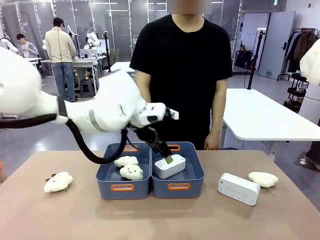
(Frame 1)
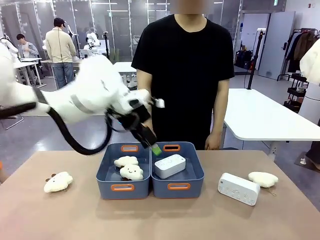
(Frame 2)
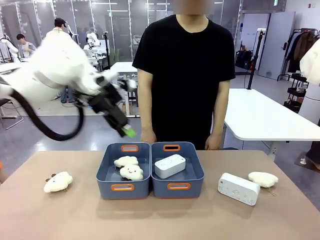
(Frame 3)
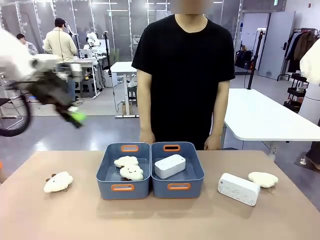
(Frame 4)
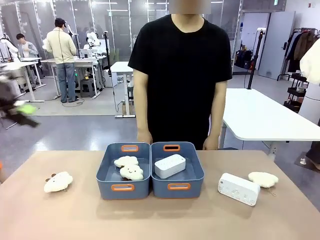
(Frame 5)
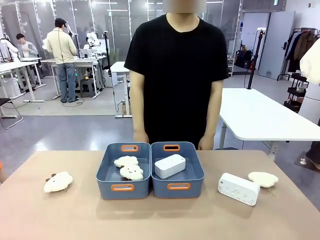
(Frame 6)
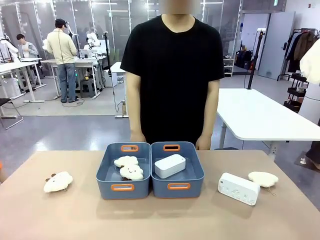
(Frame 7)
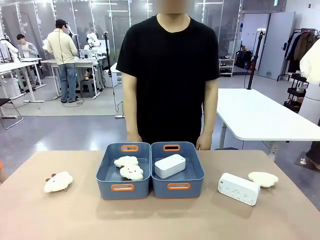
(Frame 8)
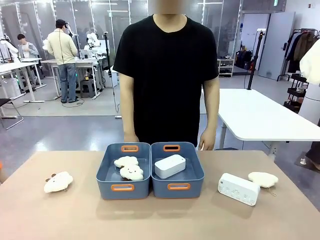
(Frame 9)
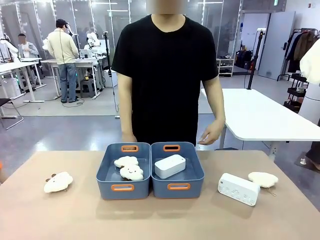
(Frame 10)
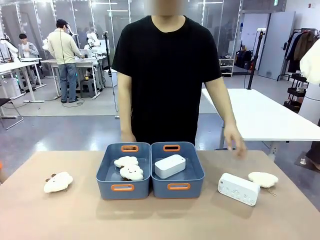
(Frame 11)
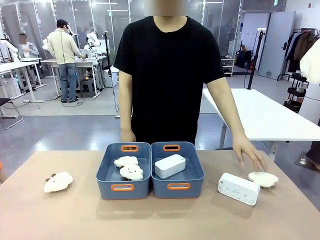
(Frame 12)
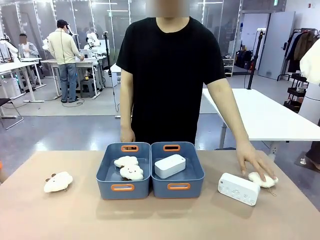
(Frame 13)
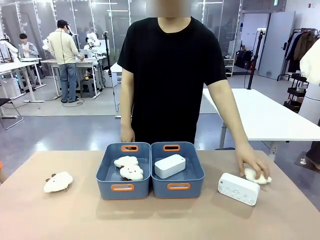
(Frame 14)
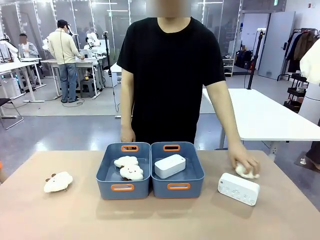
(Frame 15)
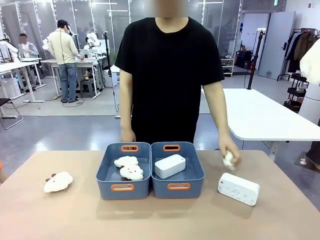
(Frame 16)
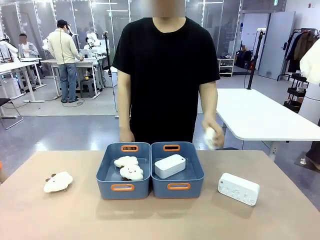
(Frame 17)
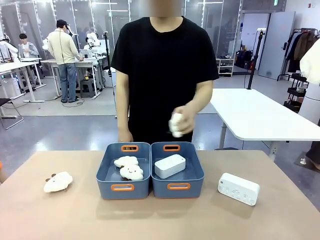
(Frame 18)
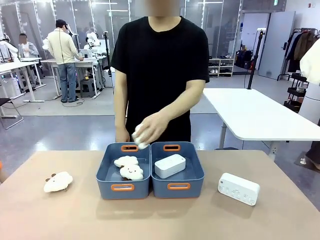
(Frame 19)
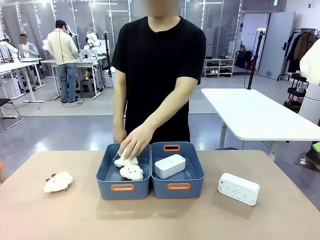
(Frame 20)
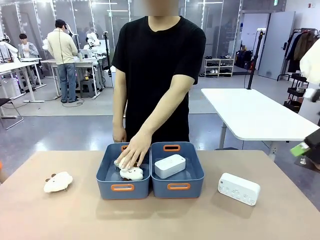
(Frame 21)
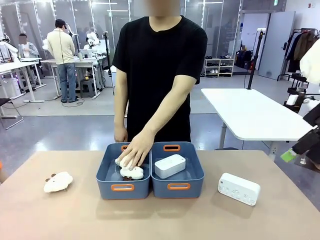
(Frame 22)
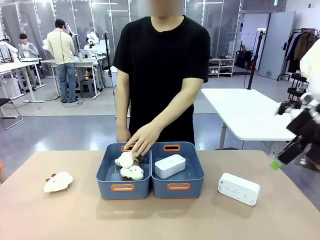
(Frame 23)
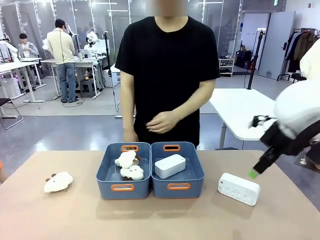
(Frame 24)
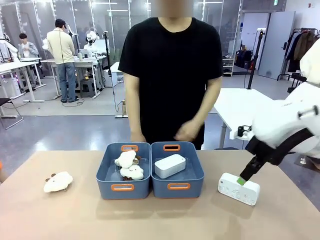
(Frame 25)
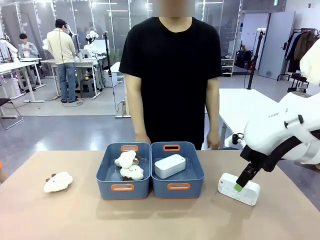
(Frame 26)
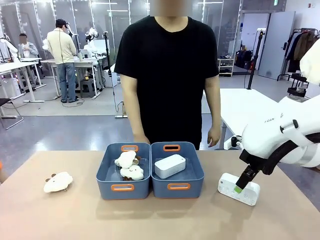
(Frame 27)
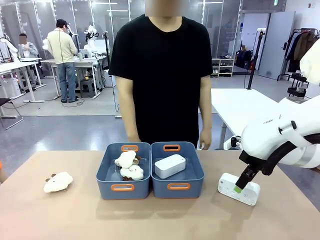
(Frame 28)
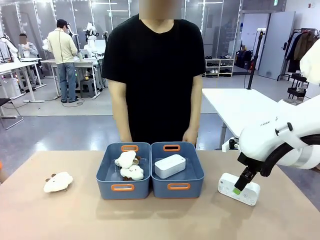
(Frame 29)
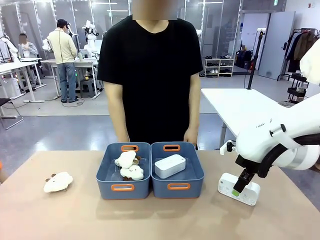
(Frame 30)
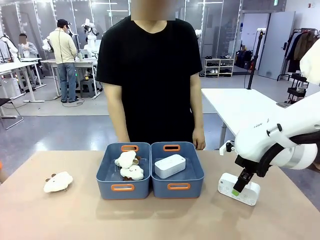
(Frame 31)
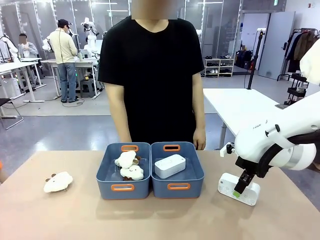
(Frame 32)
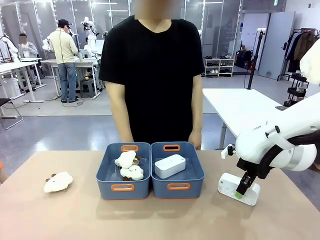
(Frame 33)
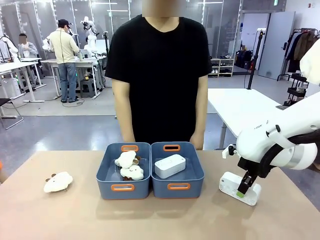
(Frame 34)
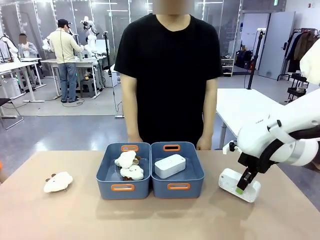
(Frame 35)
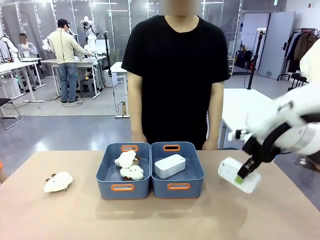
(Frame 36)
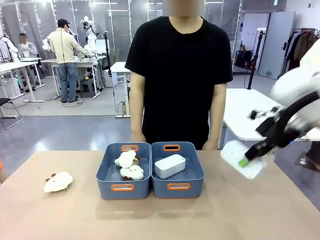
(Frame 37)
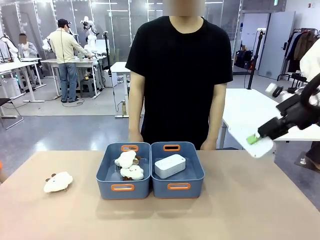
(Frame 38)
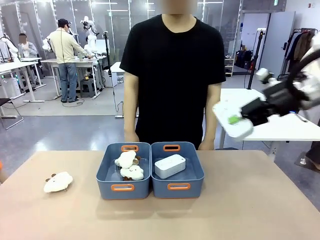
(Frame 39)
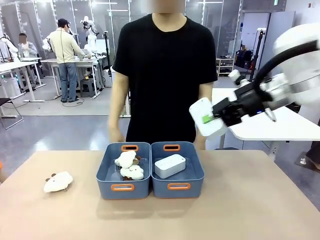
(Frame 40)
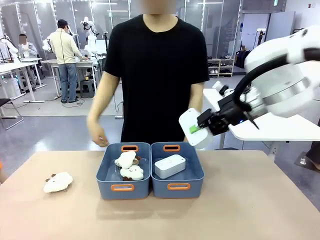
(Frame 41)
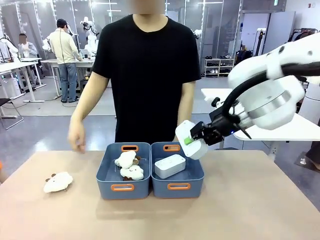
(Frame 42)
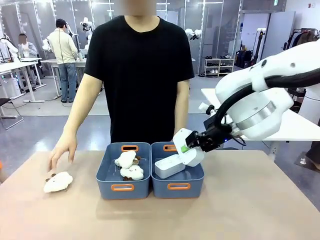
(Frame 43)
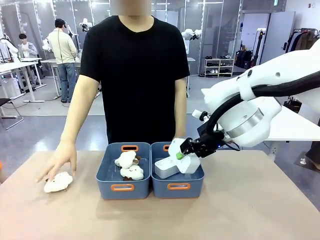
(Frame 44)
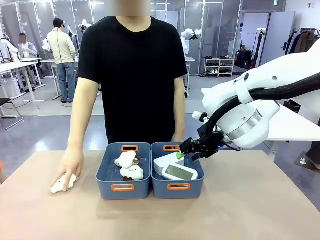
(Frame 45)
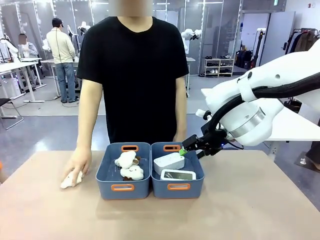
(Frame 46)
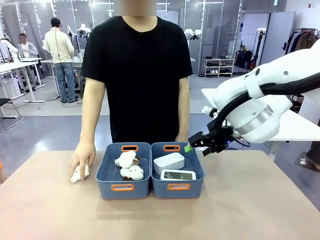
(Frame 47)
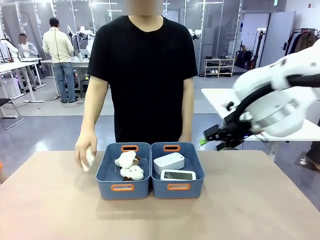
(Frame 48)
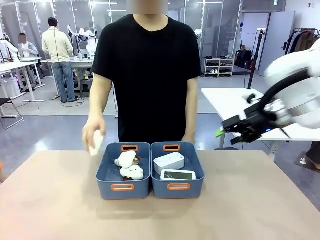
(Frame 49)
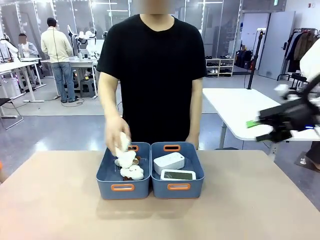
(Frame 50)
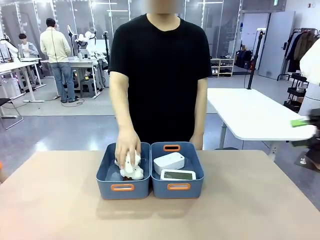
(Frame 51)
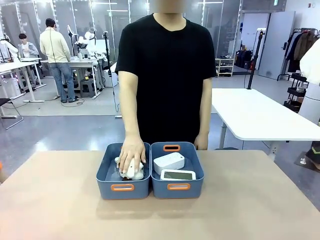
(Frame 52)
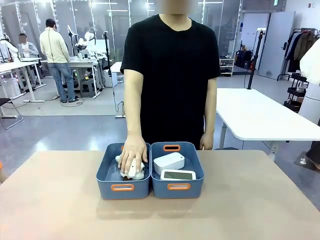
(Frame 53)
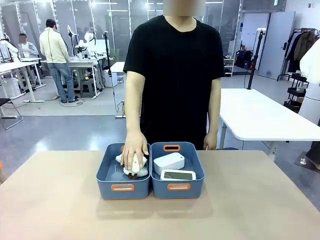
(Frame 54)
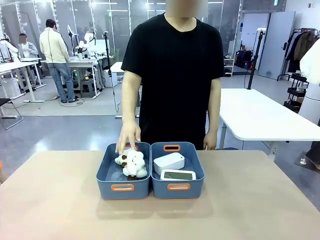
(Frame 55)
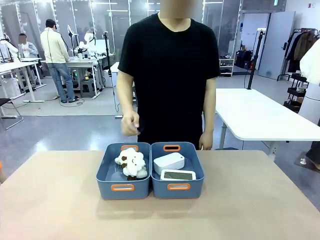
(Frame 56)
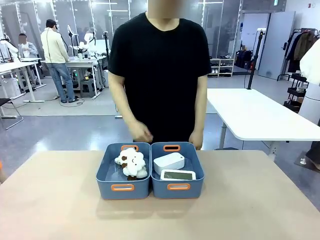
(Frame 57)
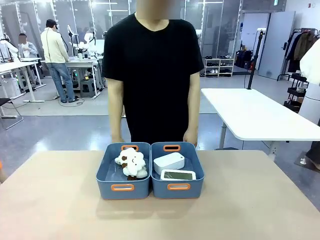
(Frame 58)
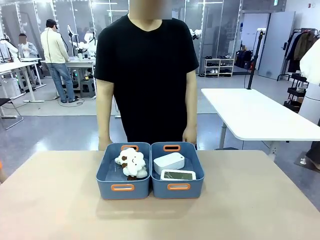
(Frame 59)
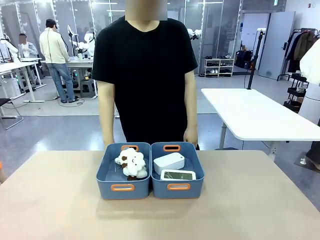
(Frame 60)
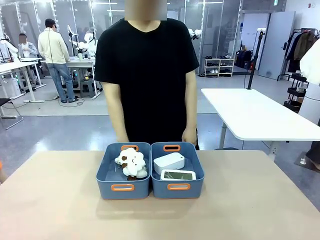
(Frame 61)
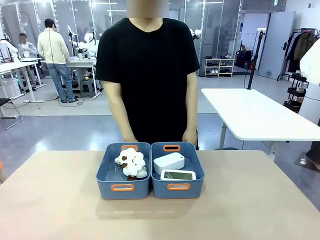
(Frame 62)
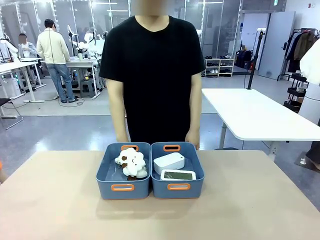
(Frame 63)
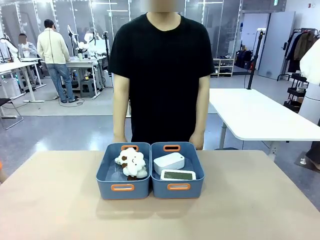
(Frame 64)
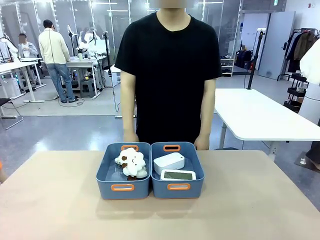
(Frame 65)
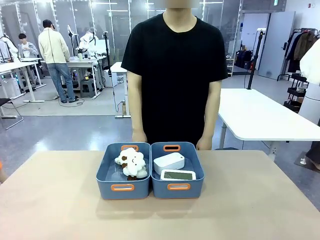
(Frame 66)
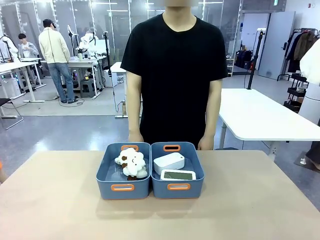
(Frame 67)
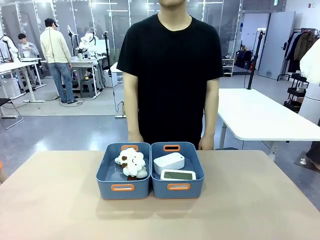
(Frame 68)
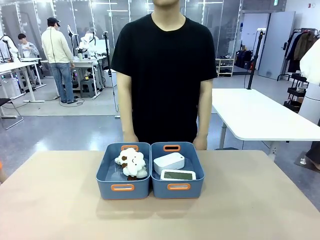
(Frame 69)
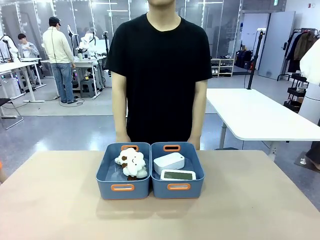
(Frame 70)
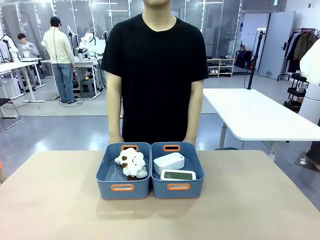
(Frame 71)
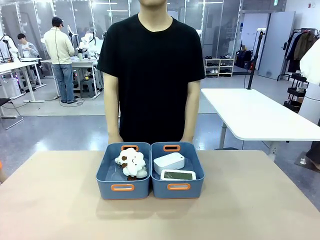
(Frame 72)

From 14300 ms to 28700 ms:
Task: Sort the digital clocks into the basket.
Robot: Pick up the Digital clock from the table and place it into the empty Plastic storage basket.
Person: Pick up a plush toy from the table and place it in the plastic storage basket containing the plush toy.
